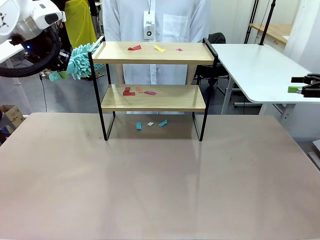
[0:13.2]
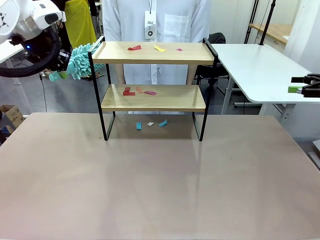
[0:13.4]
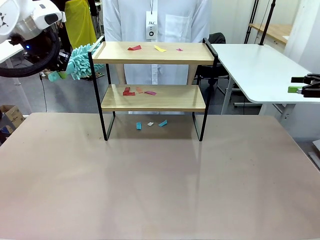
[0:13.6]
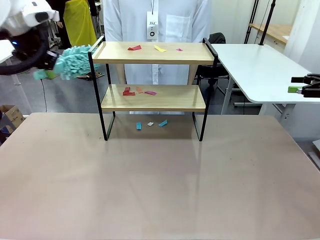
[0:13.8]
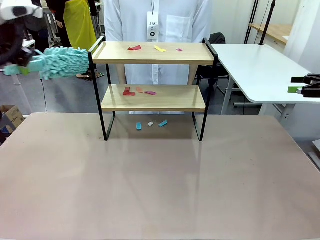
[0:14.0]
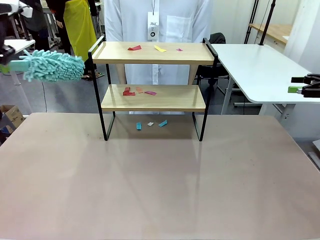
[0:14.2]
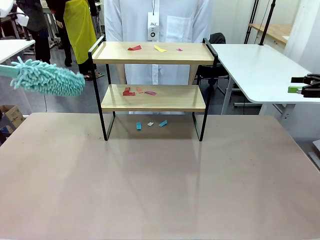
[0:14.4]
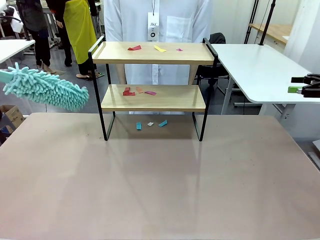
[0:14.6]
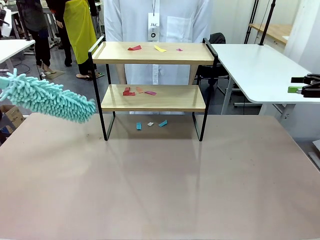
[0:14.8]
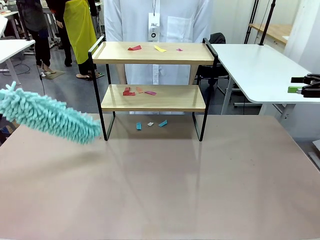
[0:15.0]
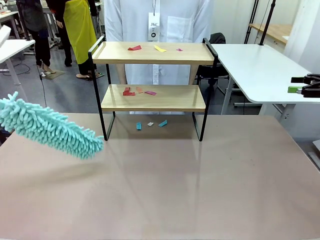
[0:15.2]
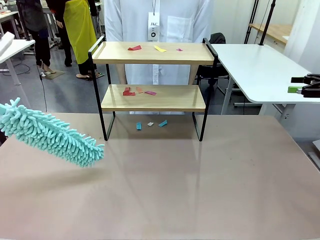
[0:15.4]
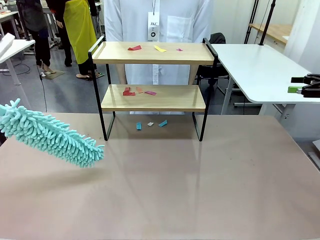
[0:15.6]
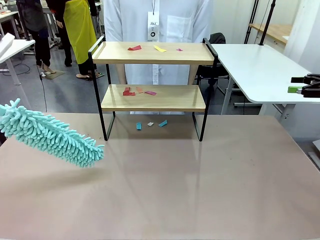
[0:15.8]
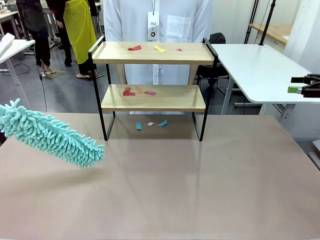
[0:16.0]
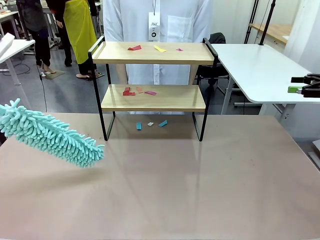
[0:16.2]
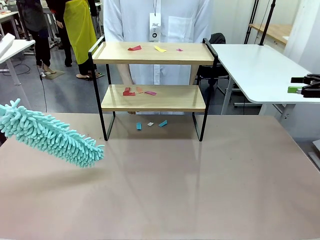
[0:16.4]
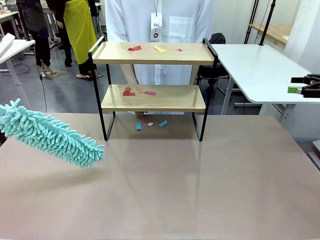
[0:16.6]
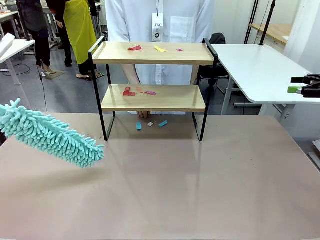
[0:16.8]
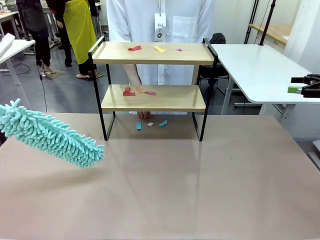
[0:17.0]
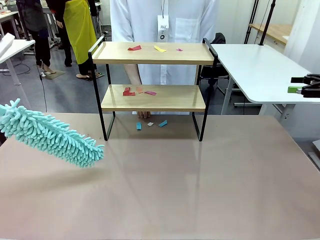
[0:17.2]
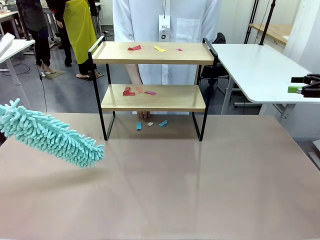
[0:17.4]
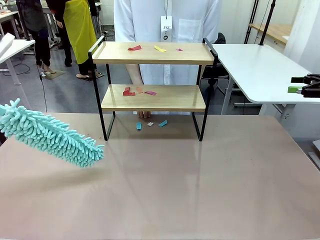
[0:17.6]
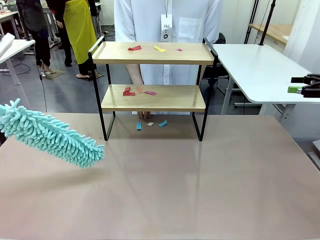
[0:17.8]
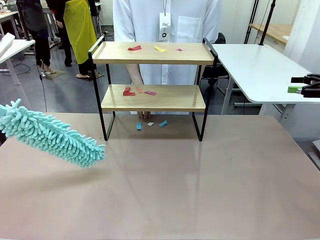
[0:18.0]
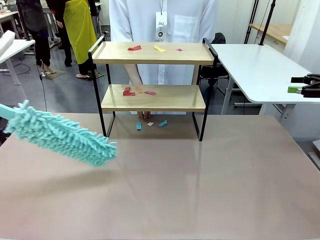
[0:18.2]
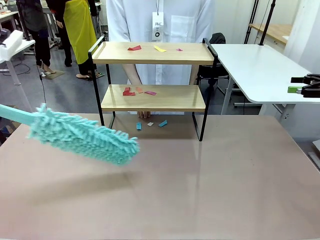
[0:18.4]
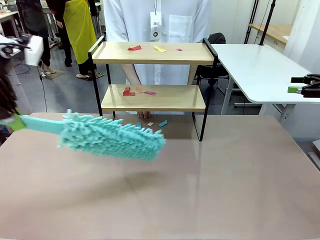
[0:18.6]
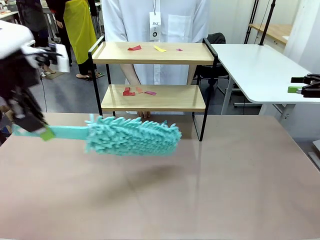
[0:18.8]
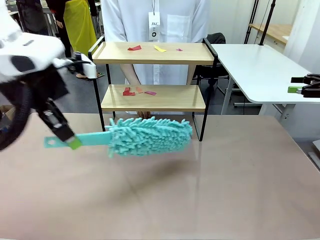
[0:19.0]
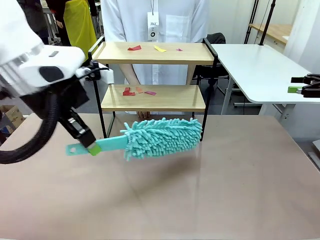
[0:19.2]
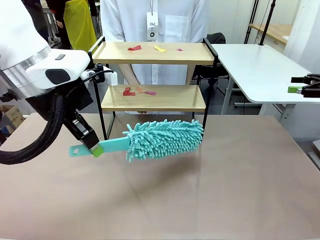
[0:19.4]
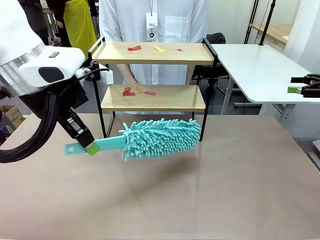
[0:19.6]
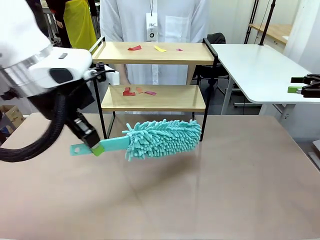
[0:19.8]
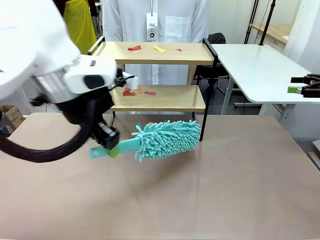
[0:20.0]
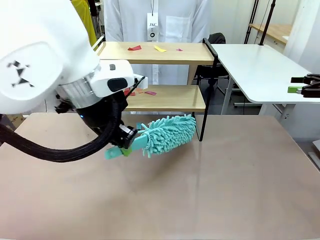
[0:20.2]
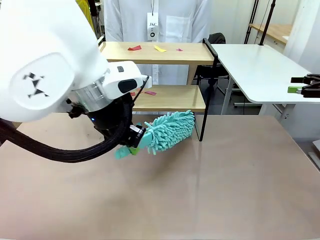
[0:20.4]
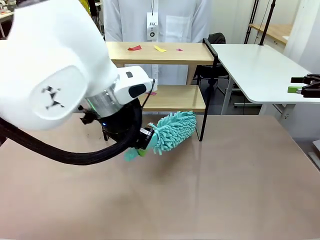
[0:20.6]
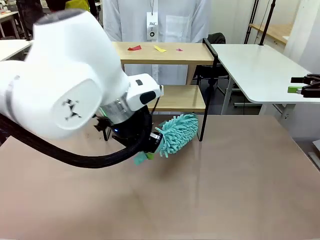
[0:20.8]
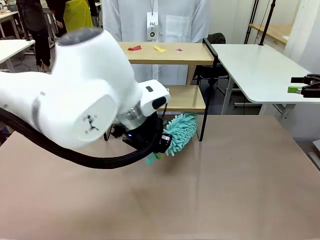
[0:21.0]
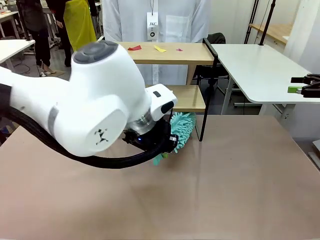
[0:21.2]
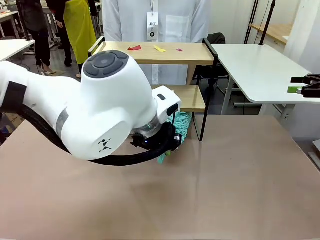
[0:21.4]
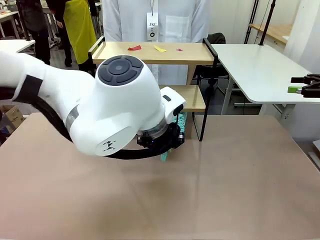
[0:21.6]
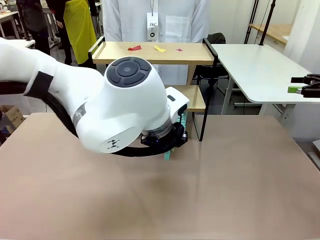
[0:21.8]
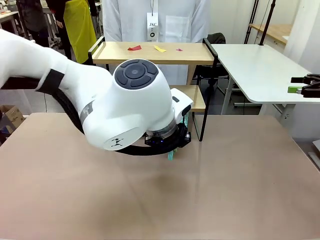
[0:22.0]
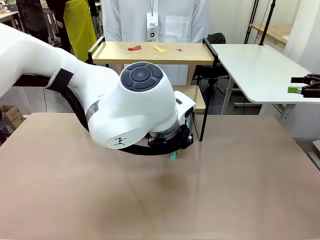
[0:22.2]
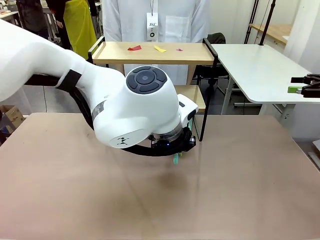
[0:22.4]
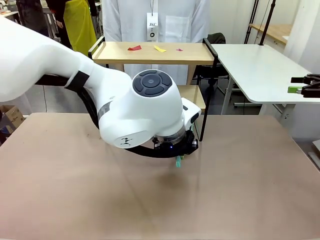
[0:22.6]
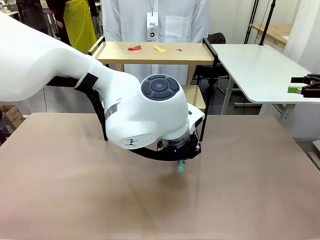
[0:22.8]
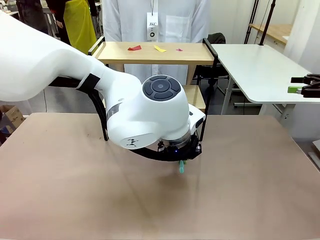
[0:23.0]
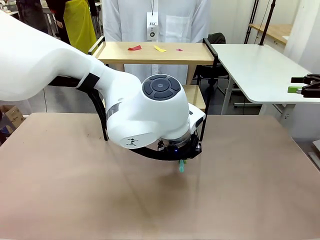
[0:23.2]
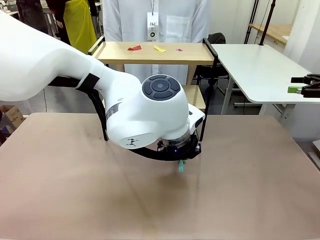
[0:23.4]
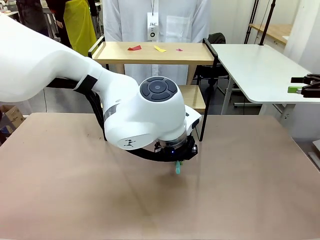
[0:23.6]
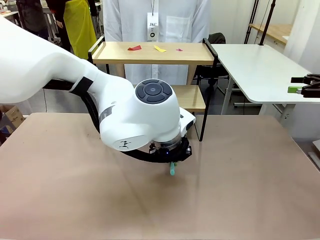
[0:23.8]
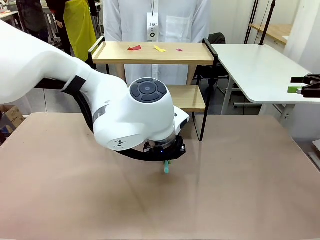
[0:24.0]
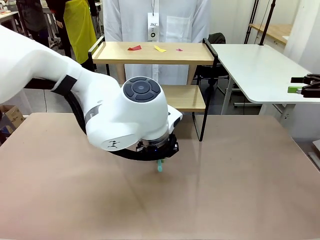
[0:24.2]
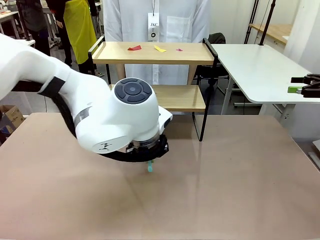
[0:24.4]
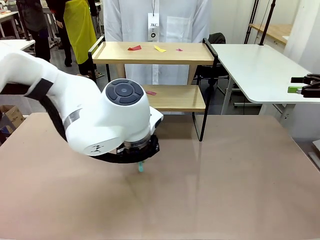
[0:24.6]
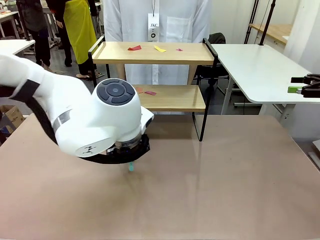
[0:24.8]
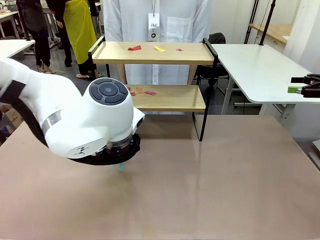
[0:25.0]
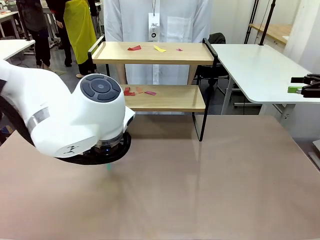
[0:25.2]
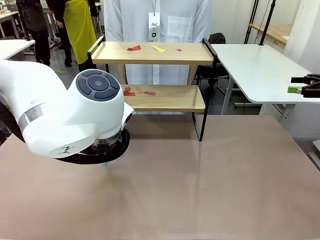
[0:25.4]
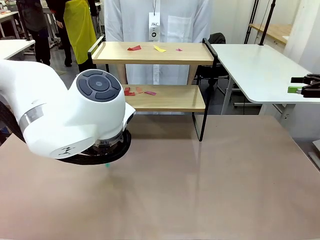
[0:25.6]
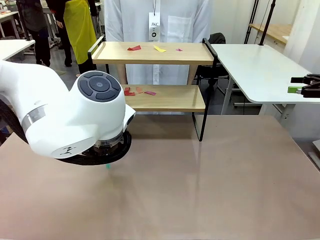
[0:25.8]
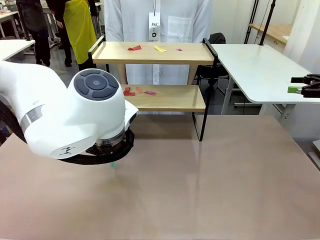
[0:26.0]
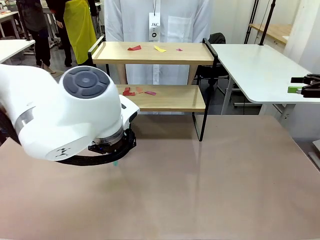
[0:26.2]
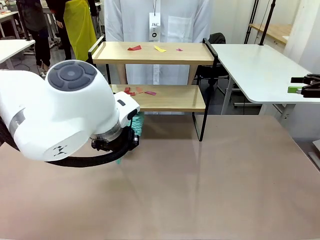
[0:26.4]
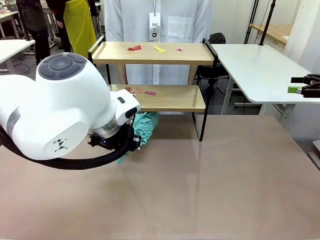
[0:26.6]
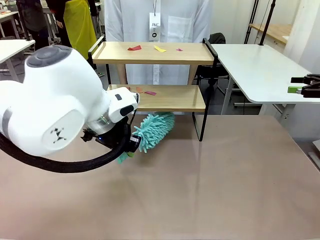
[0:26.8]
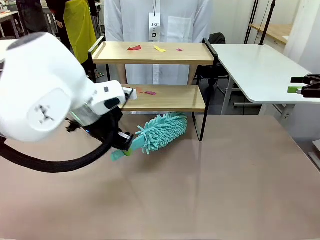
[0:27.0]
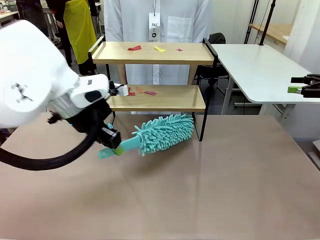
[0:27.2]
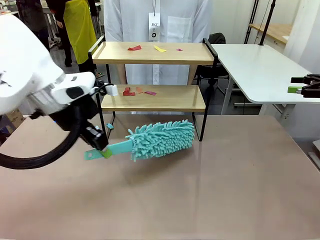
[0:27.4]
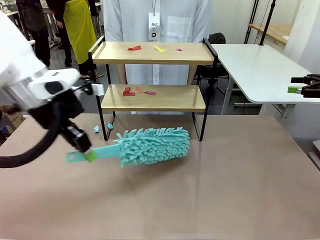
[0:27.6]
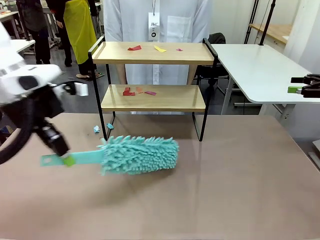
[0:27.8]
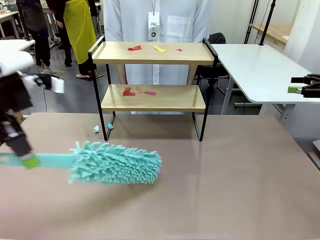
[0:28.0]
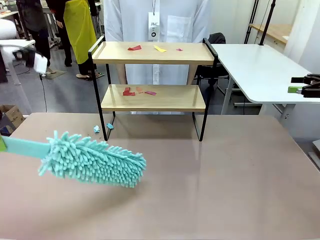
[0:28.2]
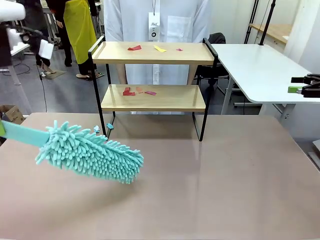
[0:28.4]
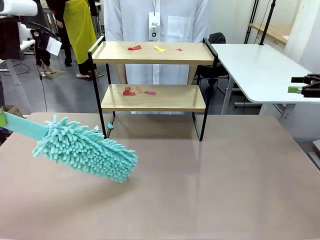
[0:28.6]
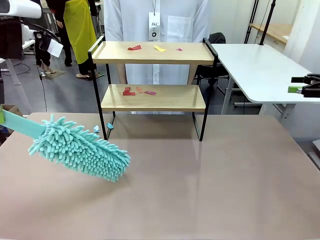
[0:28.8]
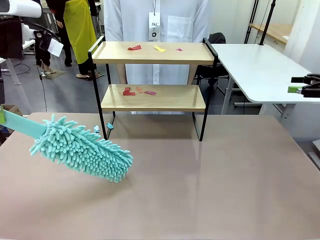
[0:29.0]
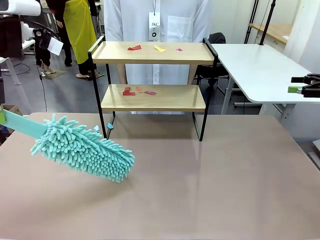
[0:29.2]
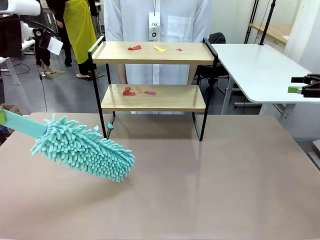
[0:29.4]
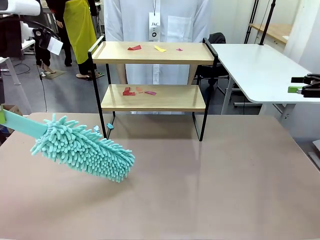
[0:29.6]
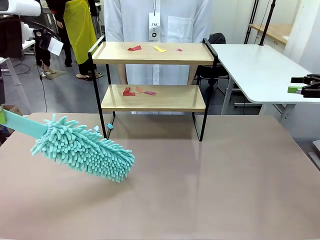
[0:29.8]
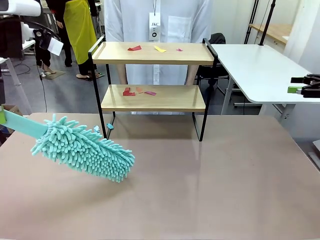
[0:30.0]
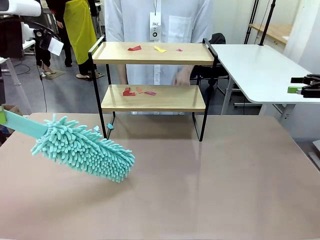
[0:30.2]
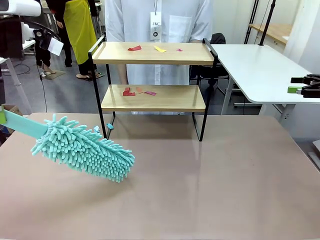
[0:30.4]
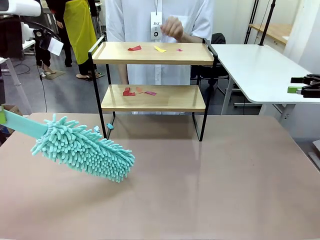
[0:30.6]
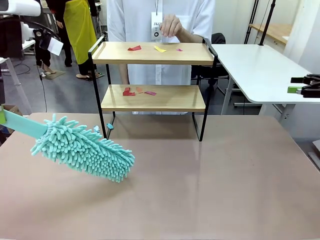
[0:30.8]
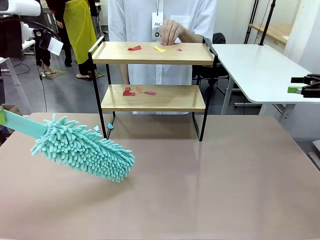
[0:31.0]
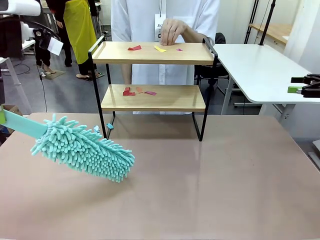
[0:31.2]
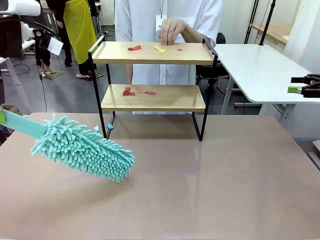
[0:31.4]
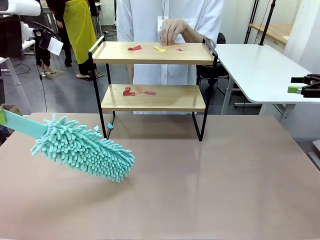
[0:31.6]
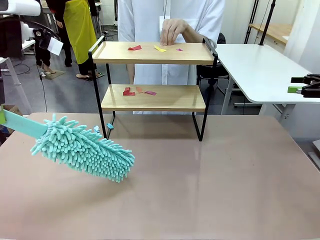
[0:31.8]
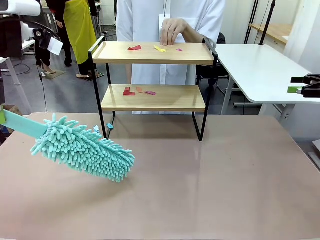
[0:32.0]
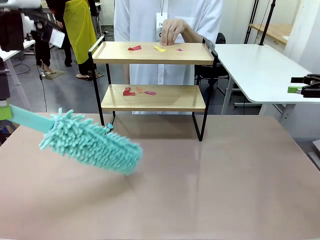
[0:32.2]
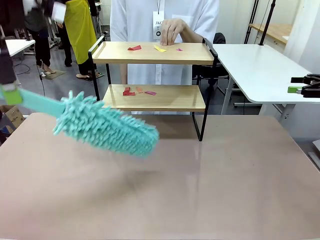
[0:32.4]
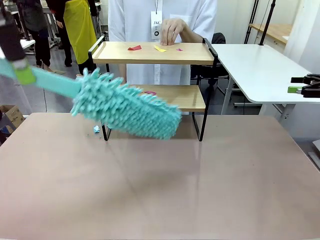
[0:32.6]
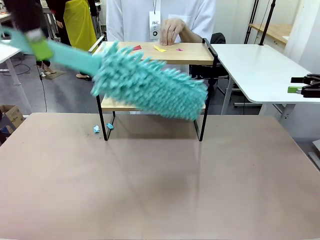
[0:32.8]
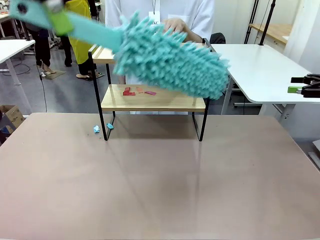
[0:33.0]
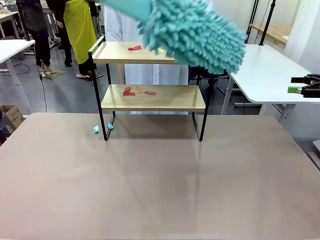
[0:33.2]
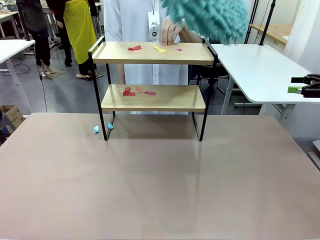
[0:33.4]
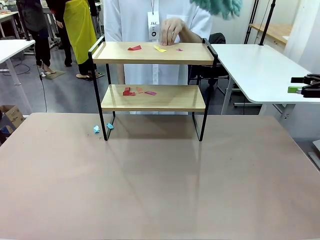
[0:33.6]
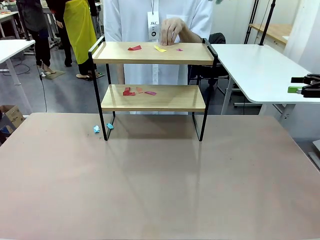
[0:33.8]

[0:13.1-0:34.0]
Task: Clean the shelf.
Robot: Clean the specific section of the Shelf indicated by the human with the Duster.
Person: Point a random section of the Shelf.
